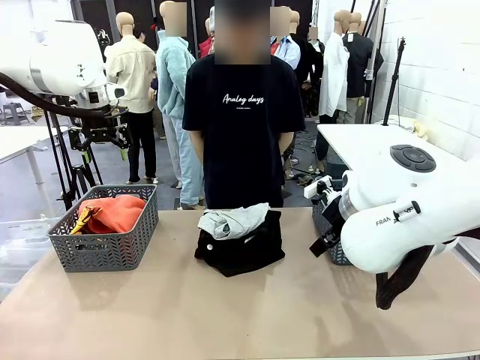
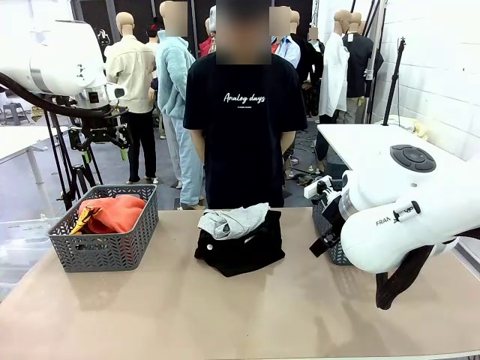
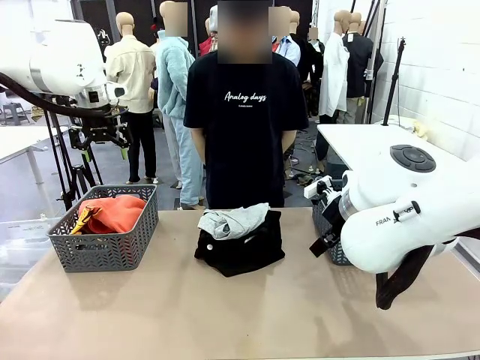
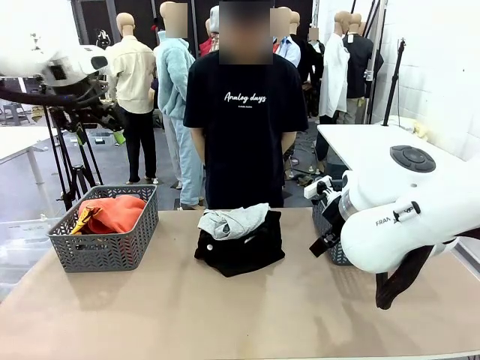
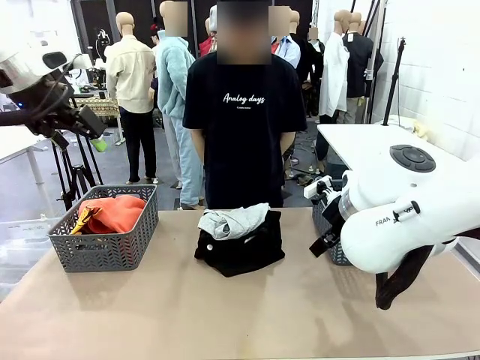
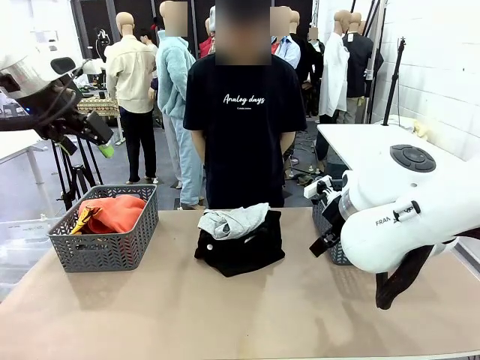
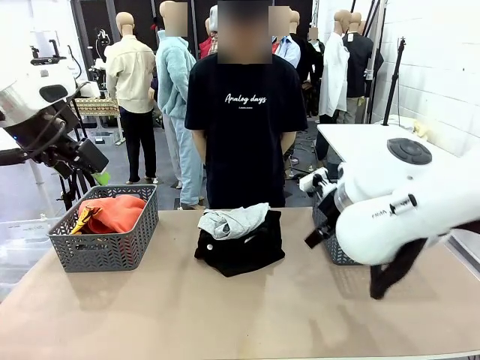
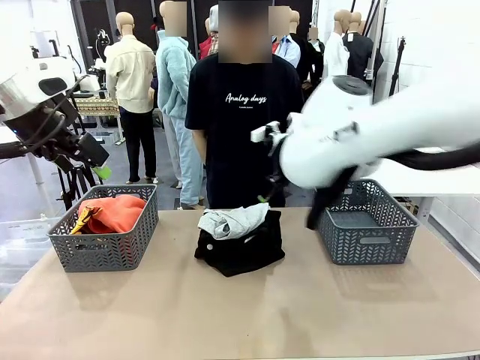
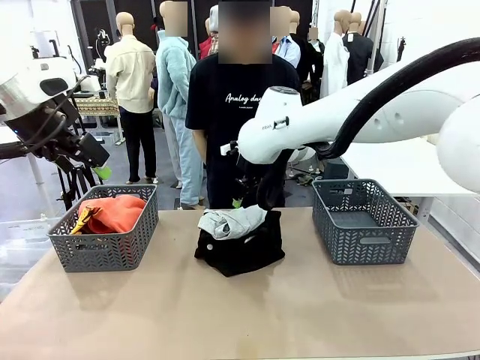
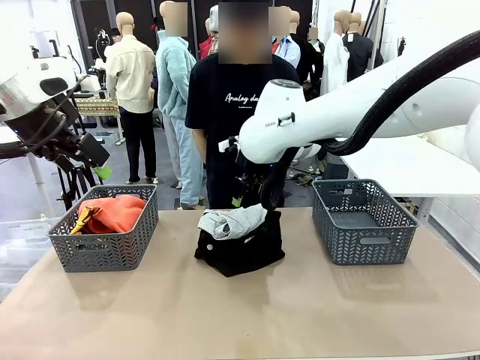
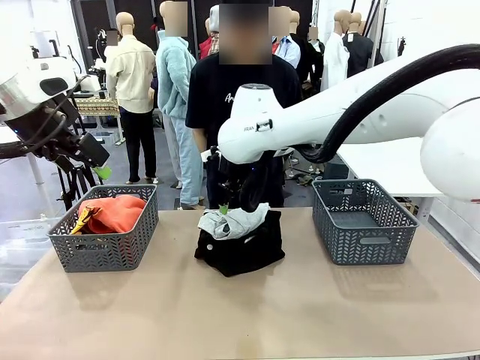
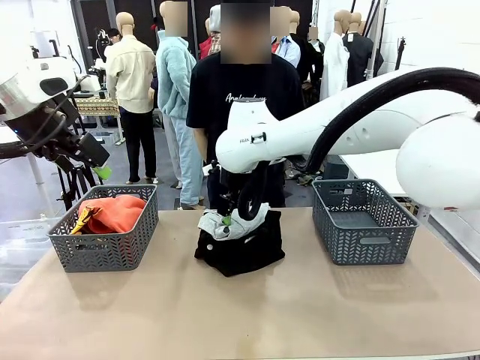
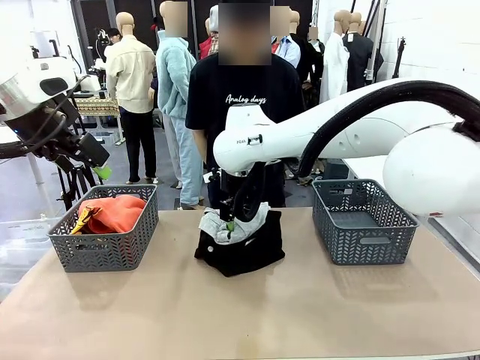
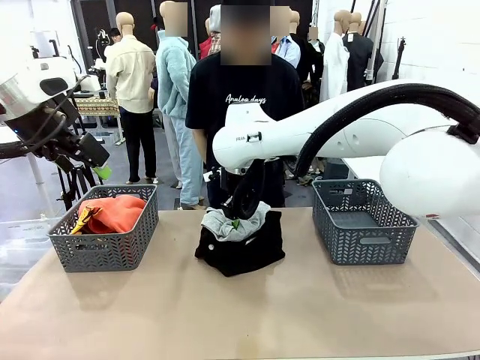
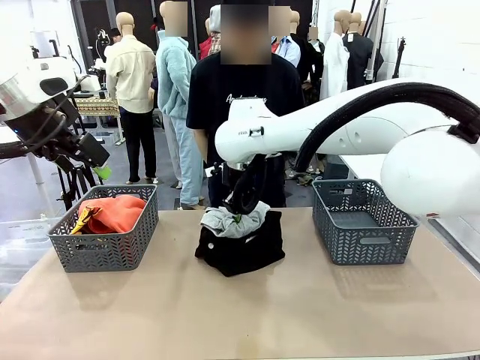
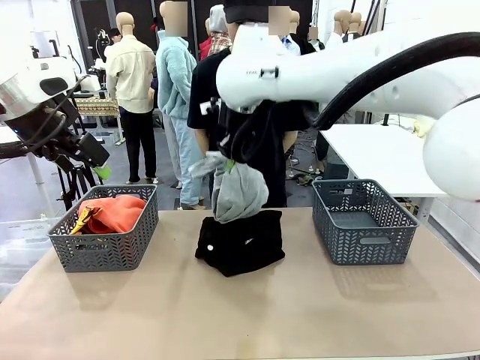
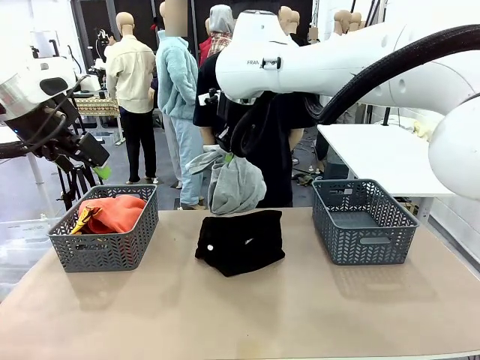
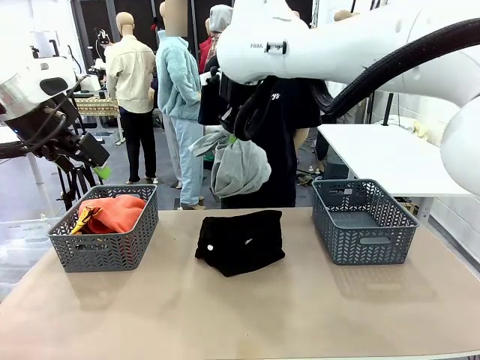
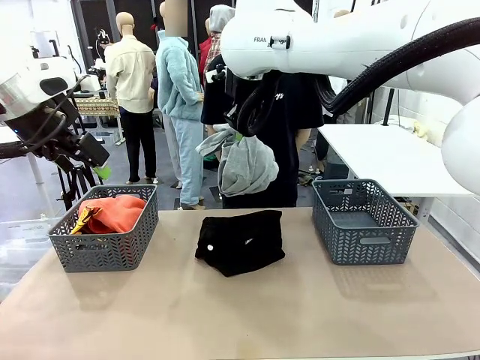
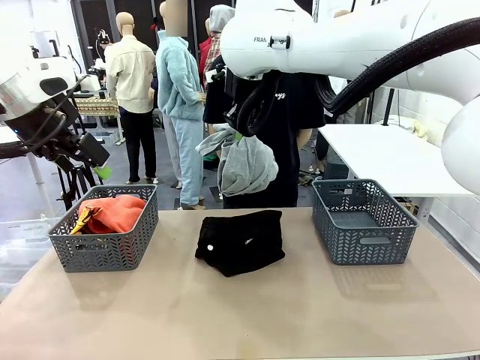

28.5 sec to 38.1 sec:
Task: Sort the tops and bottoms.
Robot: Lift clothes from the center of the table with your right hand.

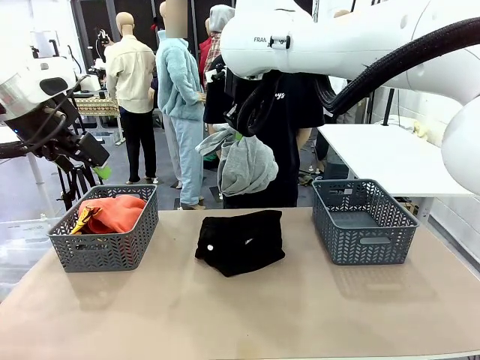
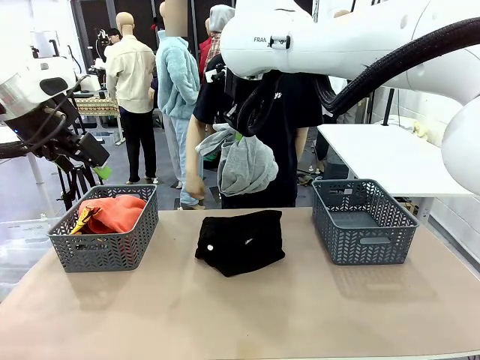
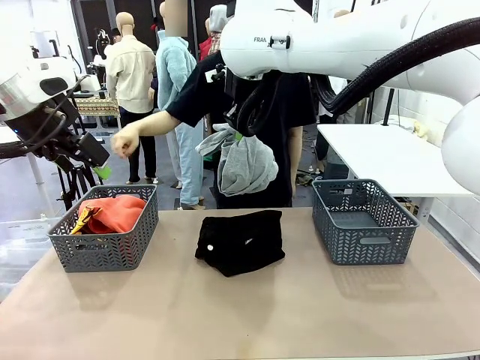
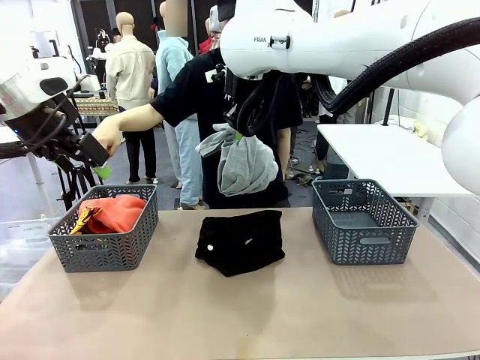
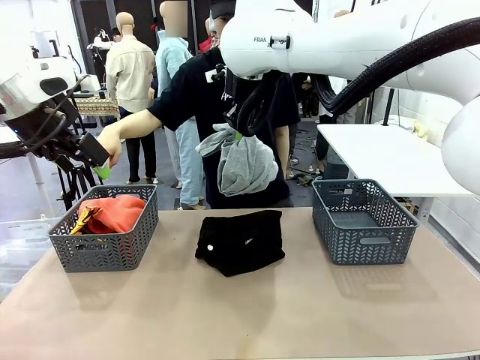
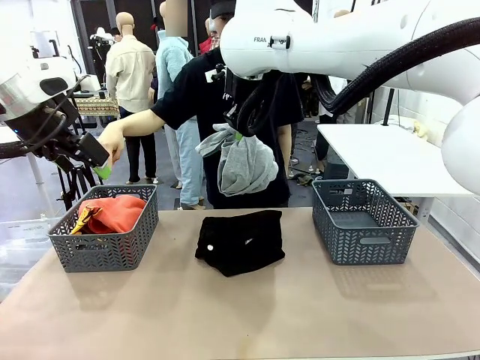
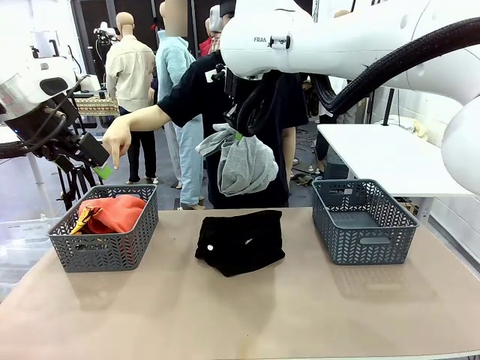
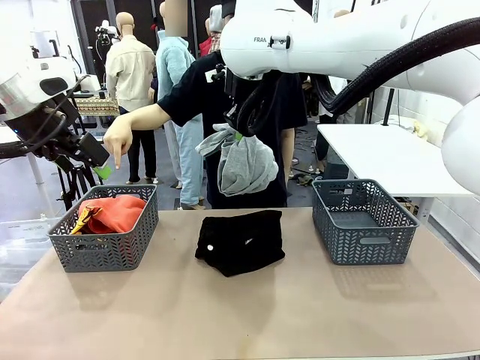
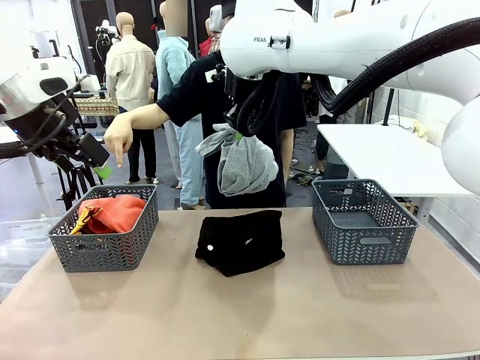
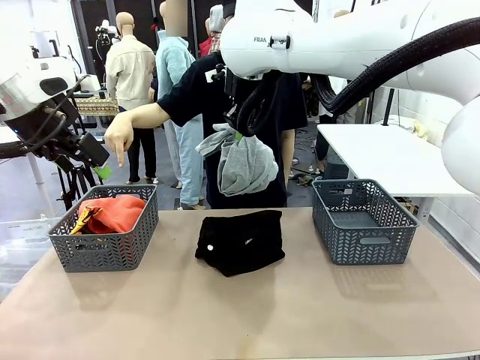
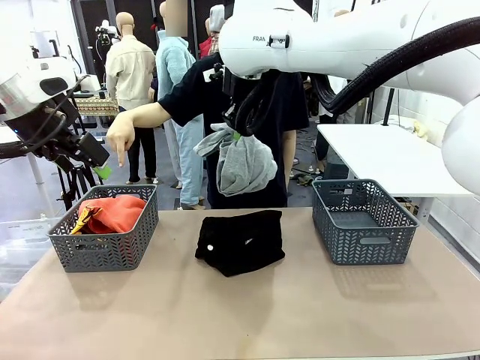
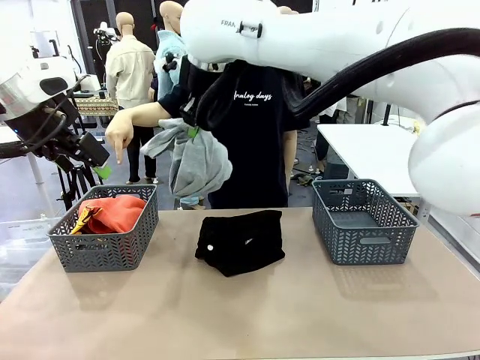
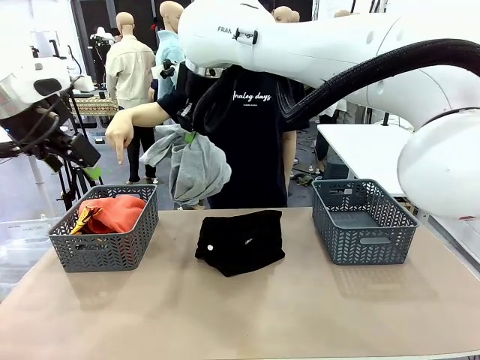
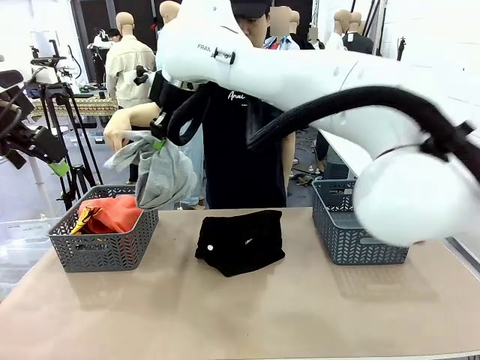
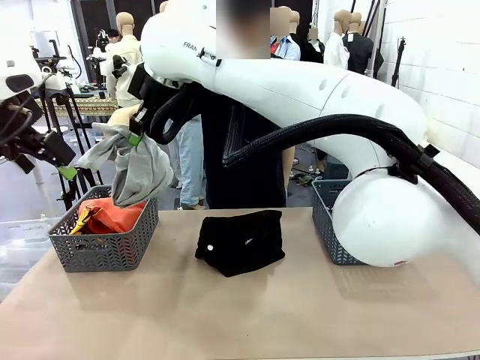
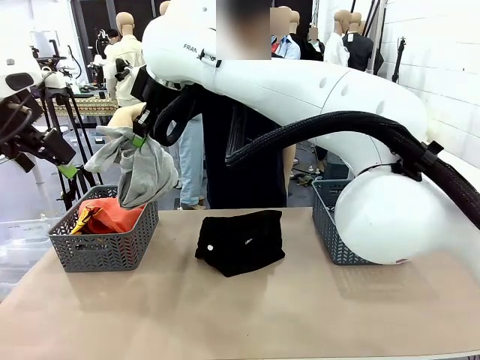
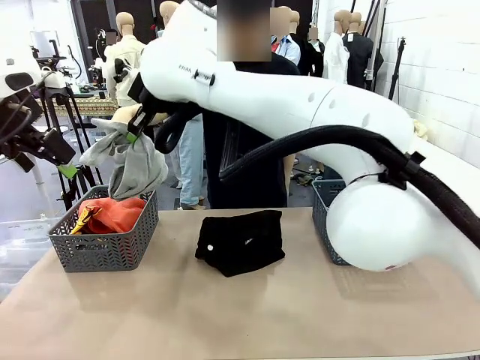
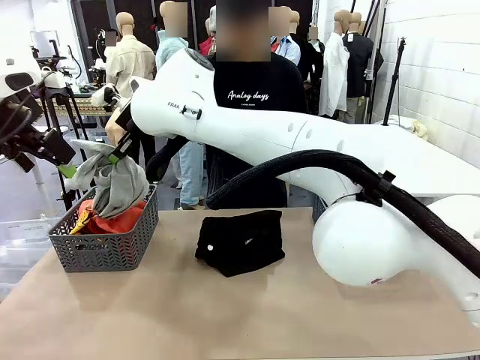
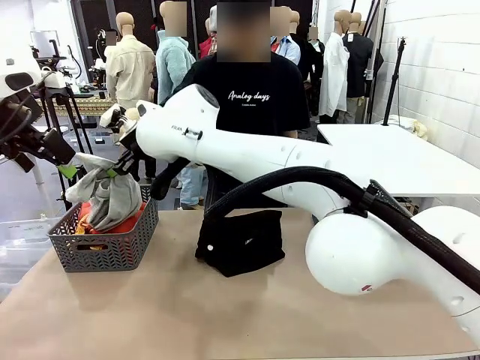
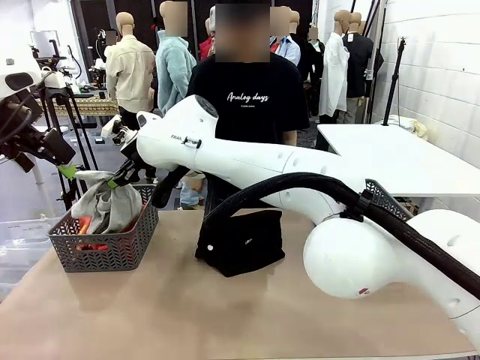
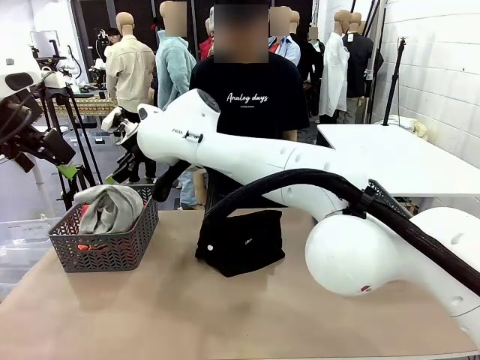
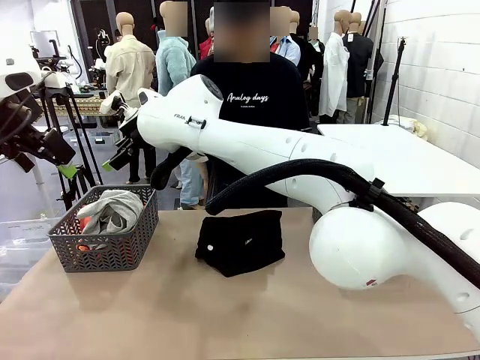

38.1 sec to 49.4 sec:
Robot: Sort the clothes according to human instructions.

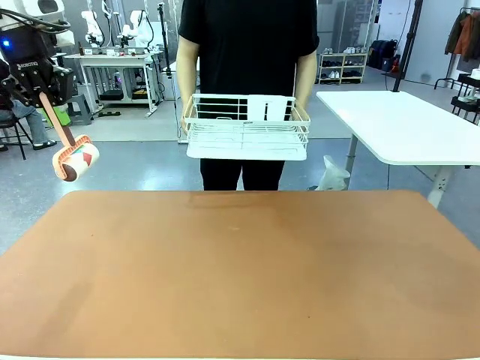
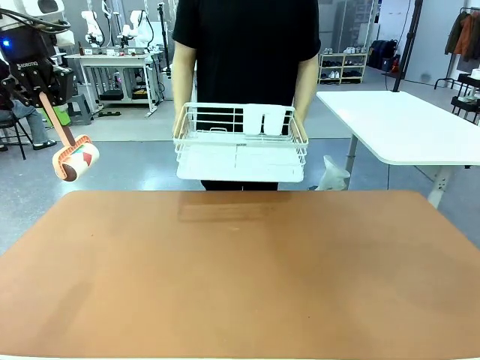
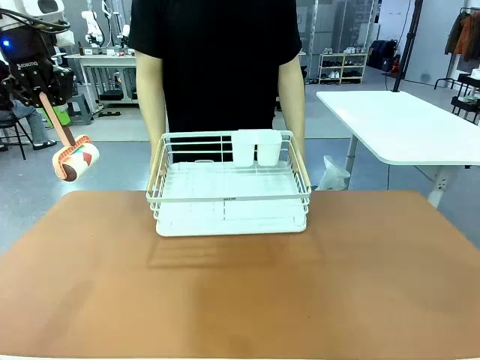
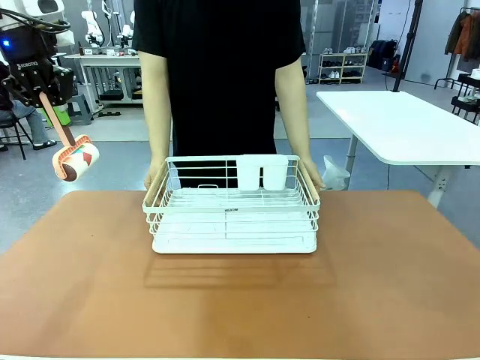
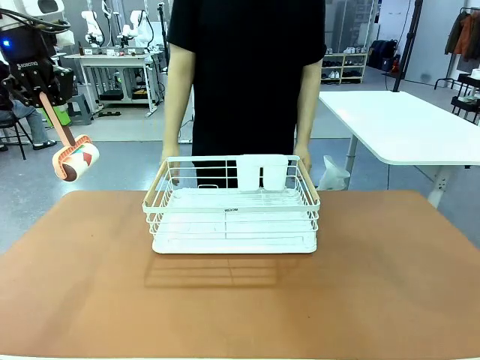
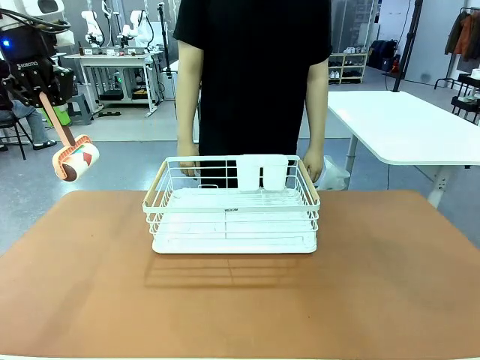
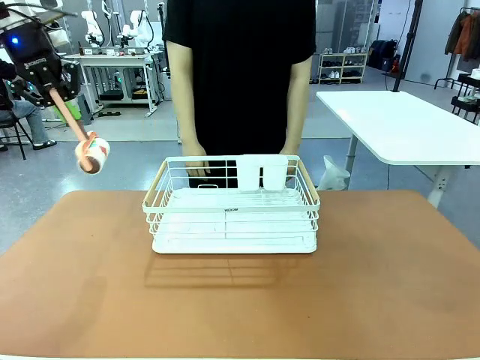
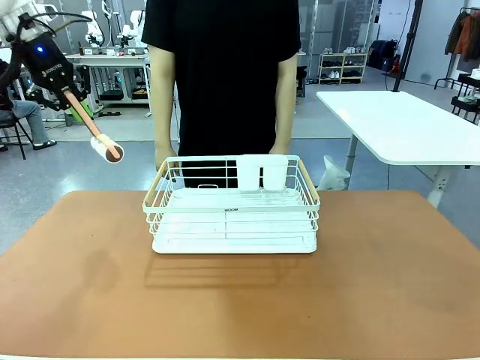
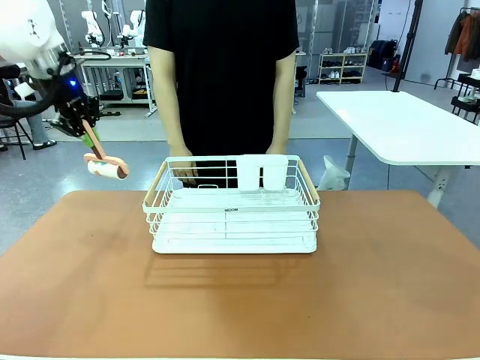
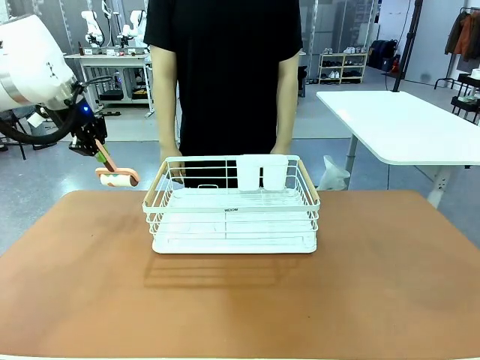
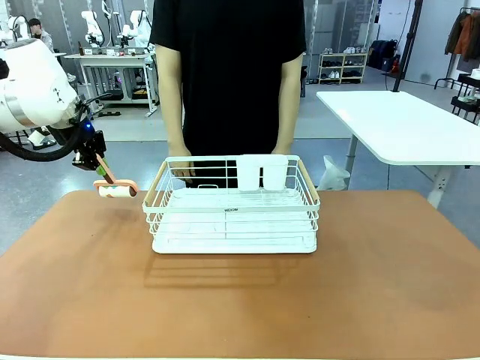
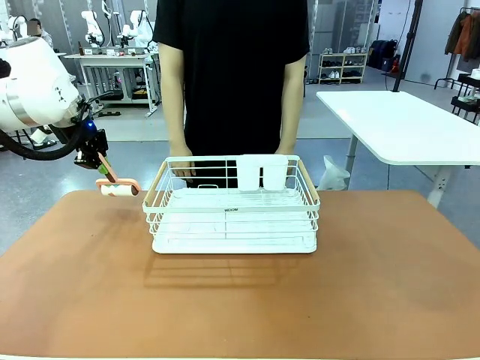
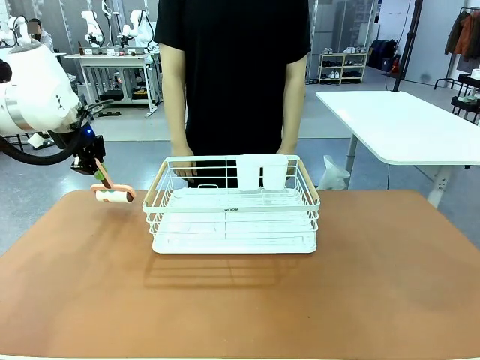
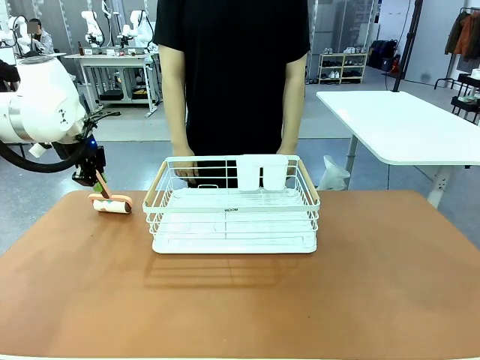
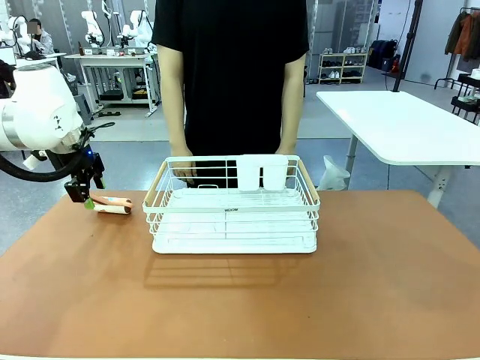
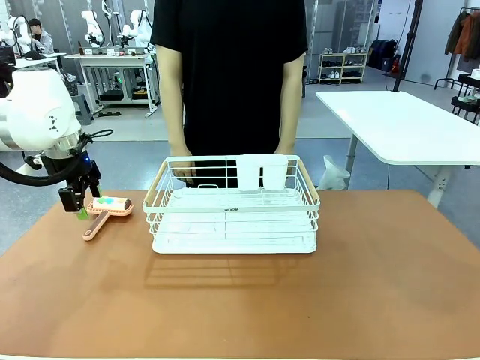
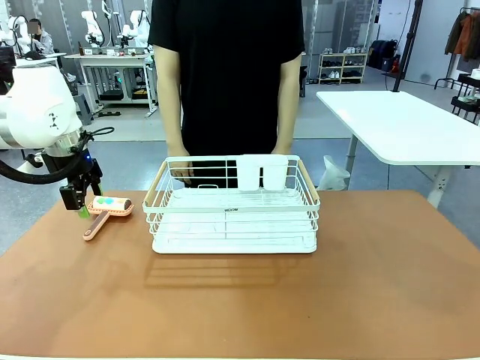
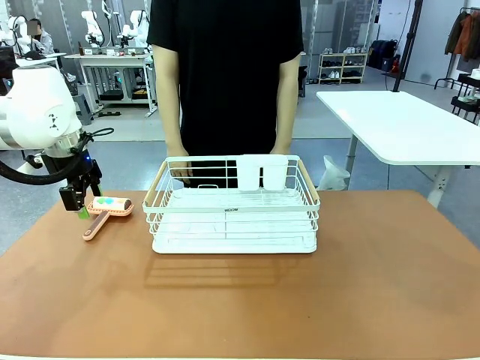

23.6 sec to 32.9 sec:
Task: Clean the table.
Robot: Place the Lint Roller down when the Dish drying rack is positioned in the middle of the table.
Person: Place the Dish drying rack down when the robot finishes cleaning.
